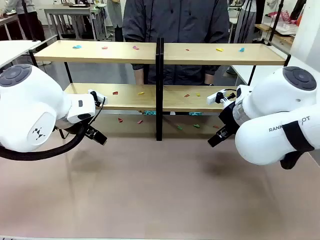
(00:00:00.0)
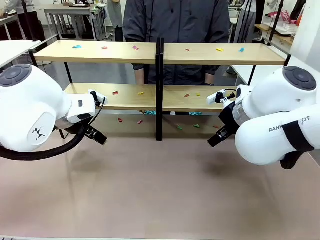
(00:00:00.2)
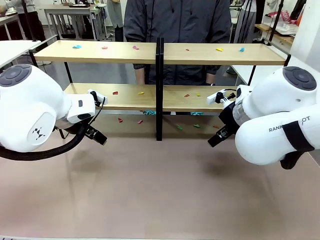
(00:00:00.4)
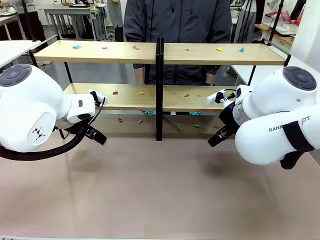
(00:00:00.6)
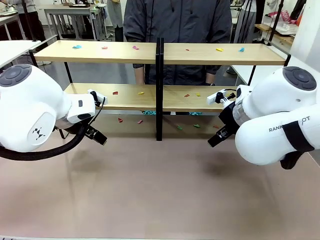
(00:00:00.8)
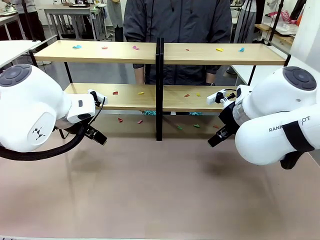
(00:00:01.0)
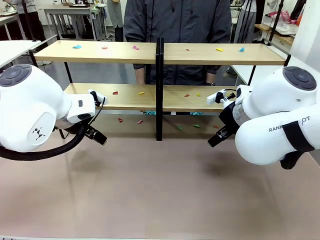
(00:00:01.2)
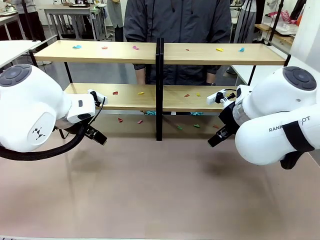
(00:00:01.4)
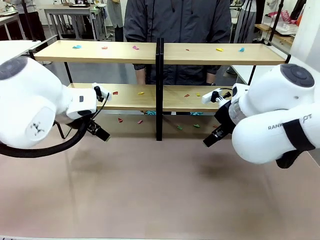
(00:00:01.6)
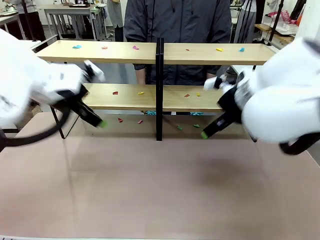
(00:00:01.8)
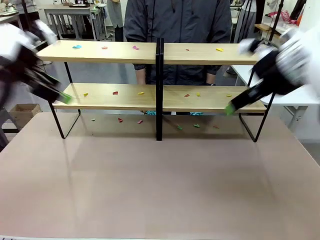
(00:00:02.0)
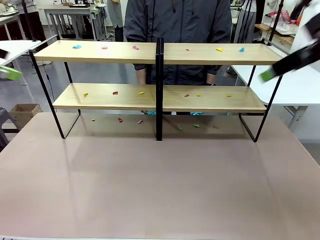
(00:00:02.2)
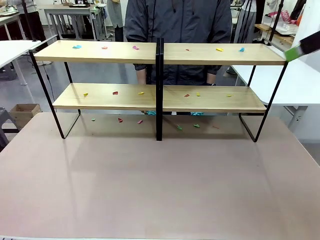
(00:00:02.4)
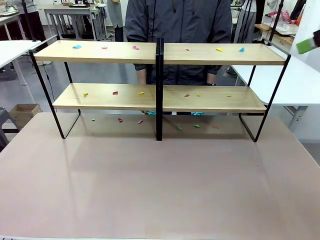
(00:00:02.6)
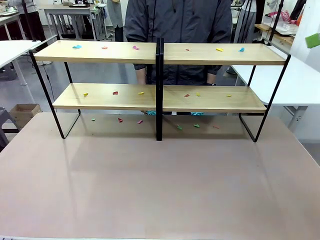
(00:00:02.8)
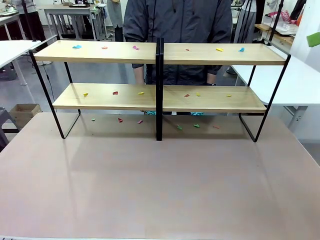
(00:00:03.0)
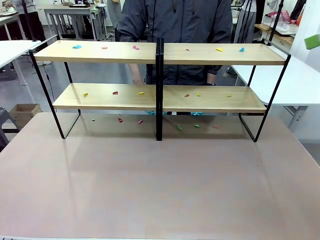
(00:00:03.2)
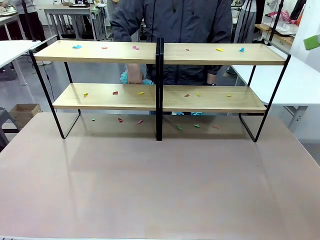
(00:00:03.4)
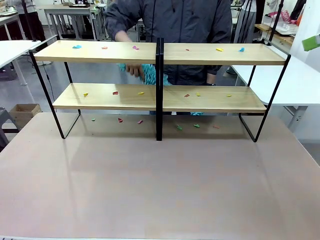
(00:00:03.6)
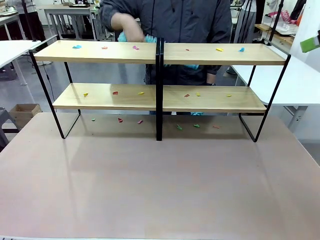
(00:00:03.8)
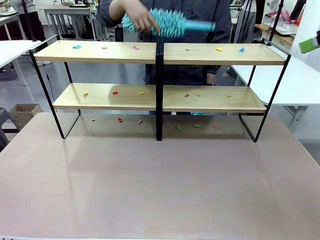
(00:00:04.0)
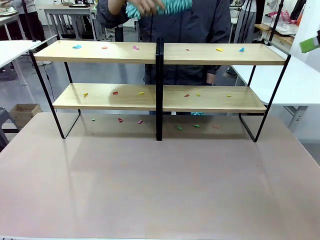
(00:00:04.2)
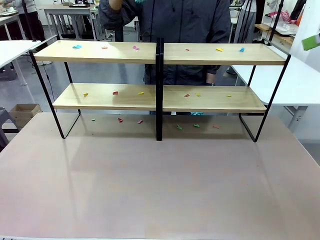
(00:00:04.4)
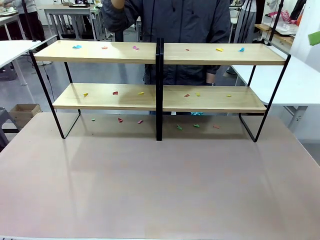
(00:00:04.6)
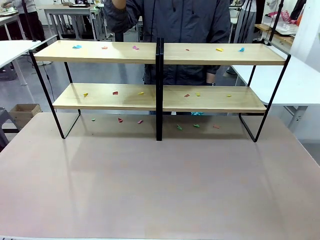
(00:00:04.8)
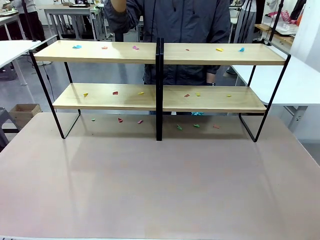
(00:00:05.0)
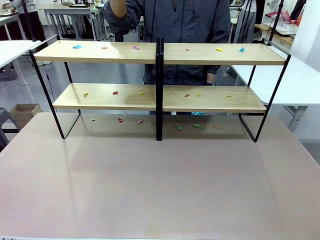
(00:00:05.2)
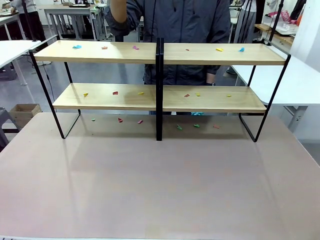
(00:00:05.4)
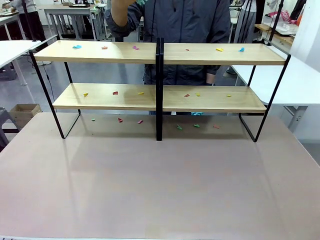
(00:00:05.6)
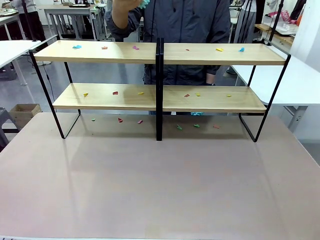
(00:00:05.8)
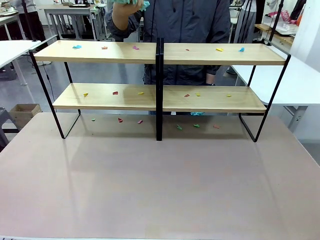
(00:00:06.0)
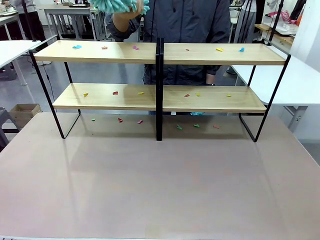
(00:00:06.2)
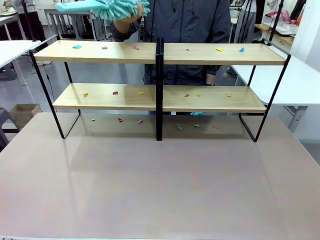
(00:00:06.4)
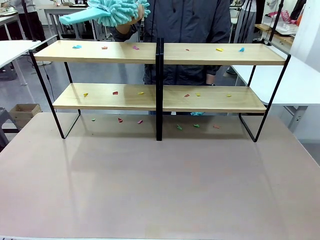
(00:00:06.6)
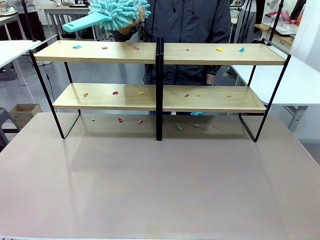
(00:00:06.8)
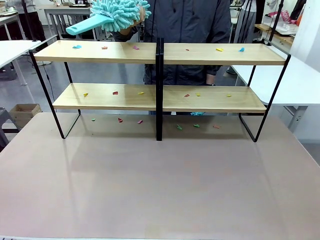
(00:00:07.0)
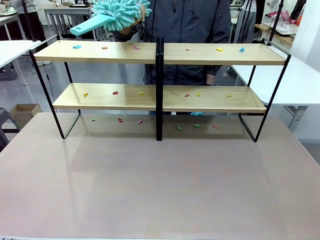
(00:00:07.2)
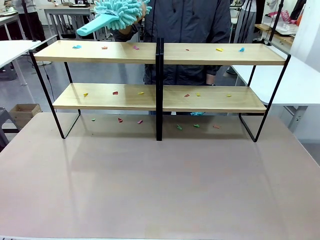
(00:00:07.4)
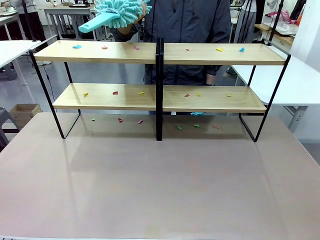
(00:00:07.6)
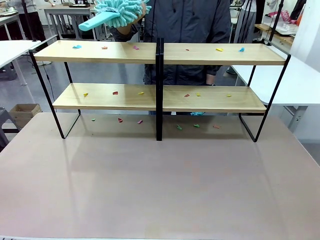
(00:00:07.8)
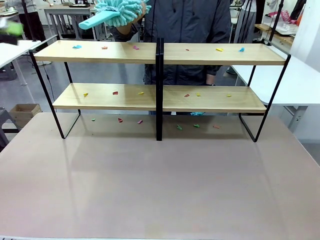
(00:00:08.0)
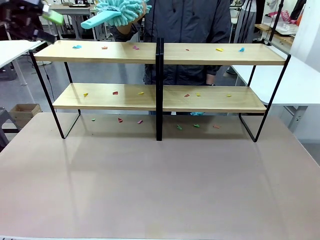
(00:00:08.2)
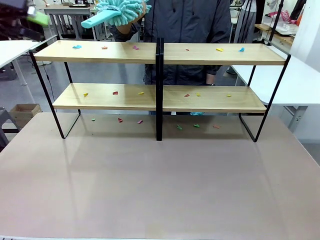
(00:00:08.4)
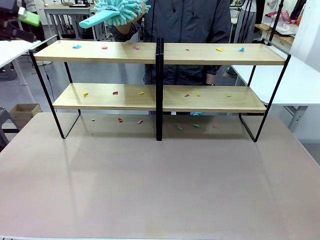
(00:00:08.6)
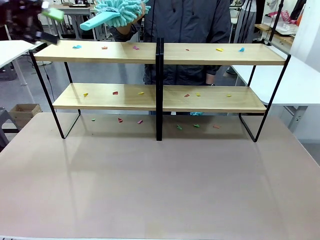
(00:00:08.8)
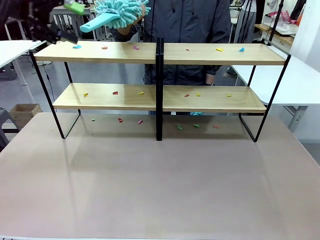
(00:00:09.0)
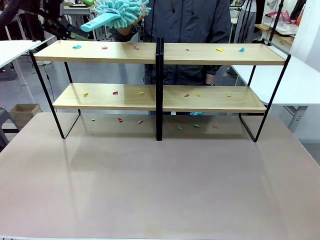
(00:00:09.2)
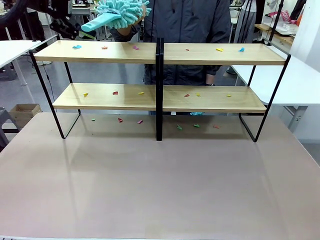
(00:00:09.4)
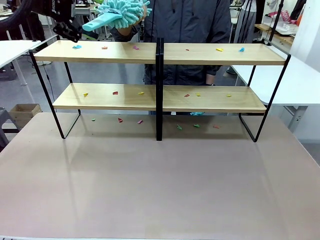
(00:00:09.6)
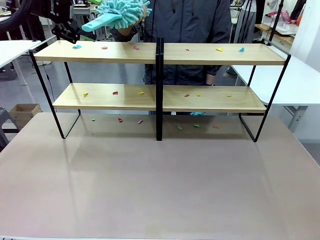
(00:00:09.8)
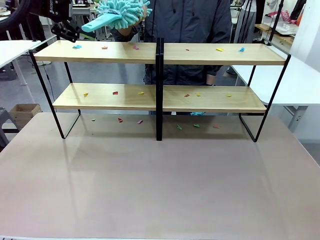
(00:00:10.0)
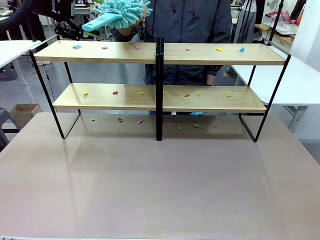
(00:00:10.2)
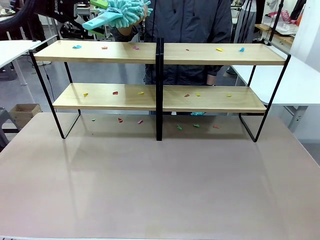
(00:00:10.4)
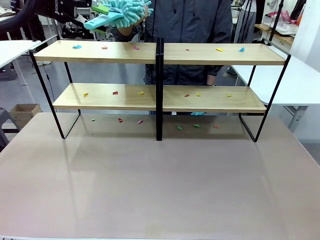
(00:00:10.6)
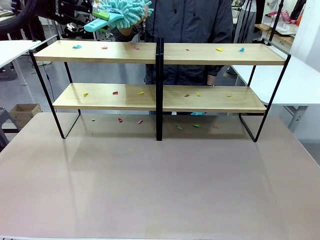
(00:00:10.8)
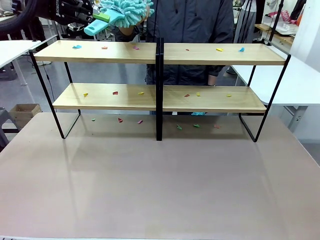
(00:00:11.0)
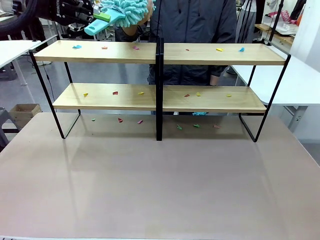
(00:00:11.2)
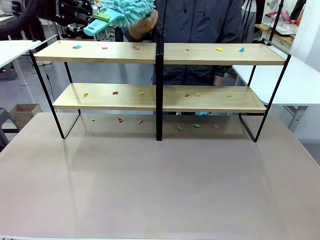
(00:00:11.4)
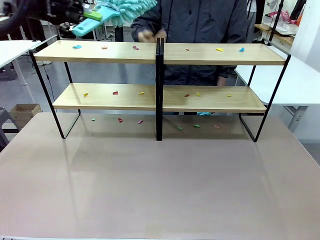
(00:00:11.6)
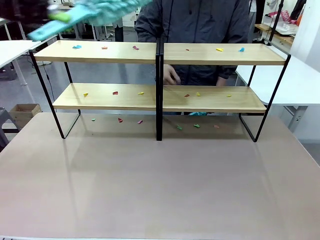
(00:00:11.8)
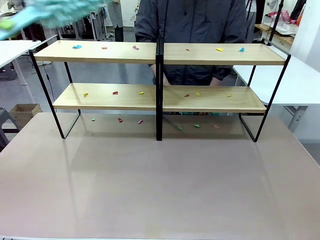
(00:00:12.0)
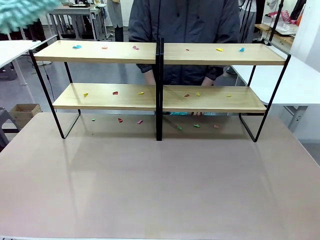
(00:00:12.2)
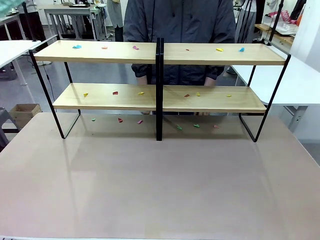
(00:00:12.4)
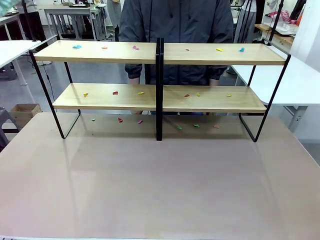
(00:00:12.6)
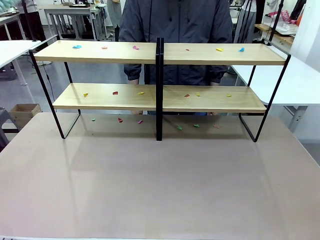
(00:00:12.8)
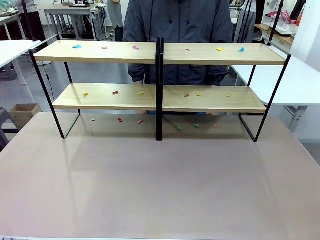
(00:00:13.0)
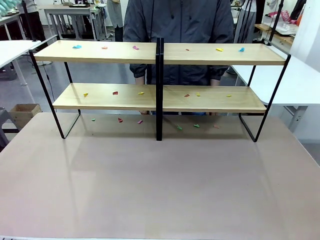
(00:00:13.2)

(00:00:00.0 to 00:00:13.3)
Task: Clean the shelves.
Robot: Pick up the Duster when the human hands it over.
Person: Hand the Duster to the robot with your right (or left) hand.

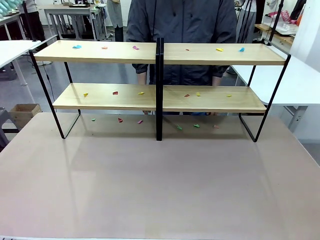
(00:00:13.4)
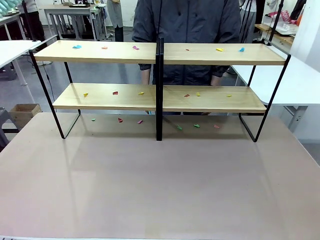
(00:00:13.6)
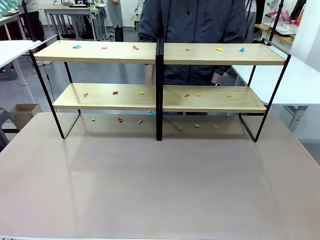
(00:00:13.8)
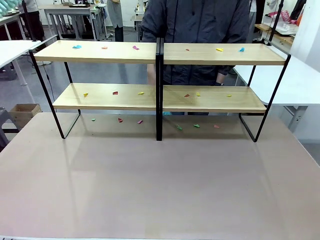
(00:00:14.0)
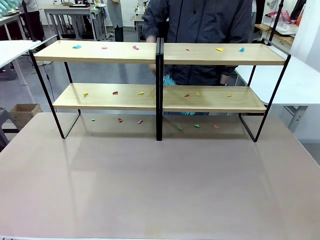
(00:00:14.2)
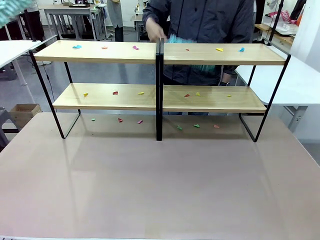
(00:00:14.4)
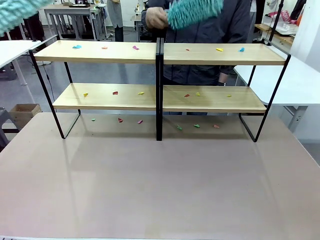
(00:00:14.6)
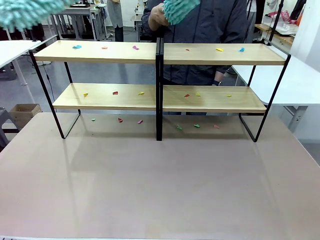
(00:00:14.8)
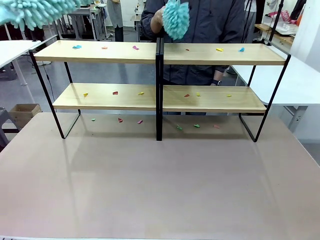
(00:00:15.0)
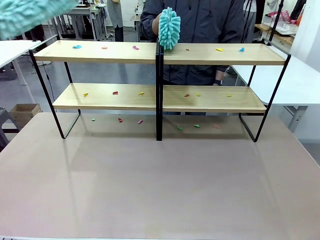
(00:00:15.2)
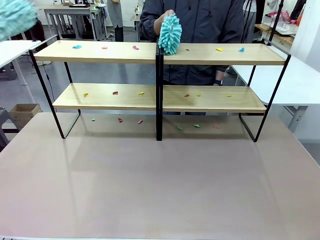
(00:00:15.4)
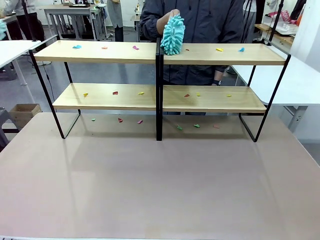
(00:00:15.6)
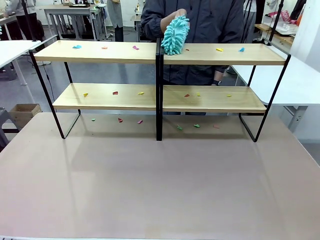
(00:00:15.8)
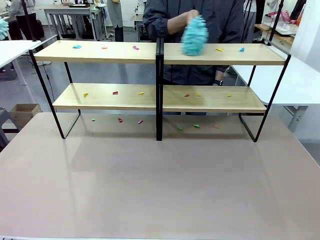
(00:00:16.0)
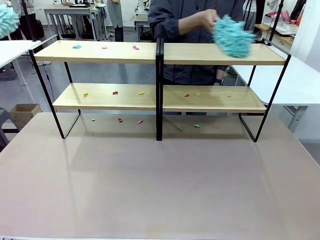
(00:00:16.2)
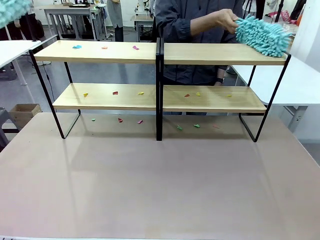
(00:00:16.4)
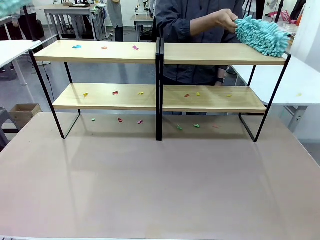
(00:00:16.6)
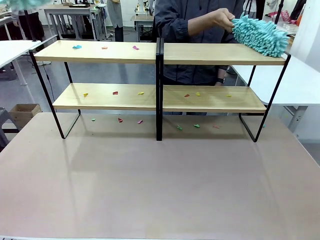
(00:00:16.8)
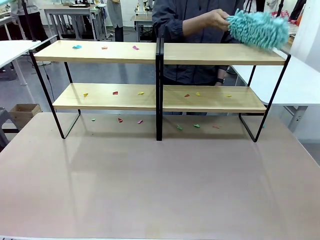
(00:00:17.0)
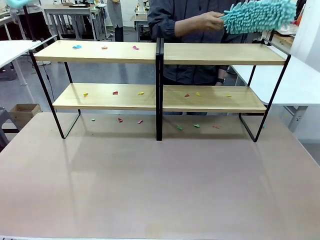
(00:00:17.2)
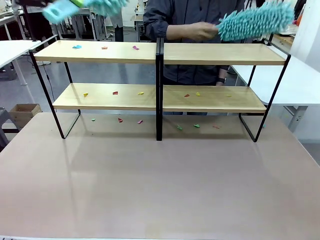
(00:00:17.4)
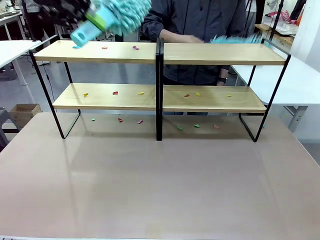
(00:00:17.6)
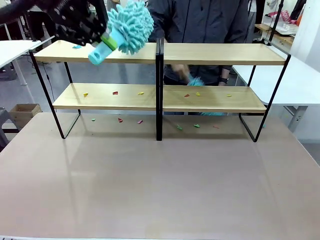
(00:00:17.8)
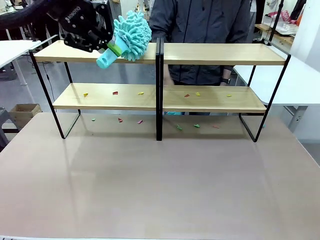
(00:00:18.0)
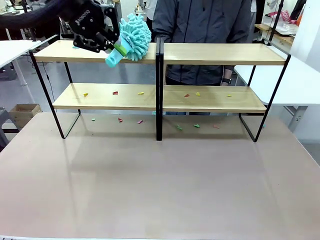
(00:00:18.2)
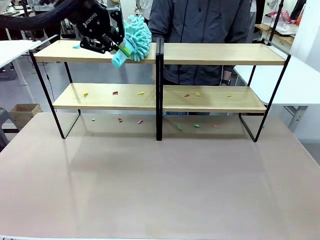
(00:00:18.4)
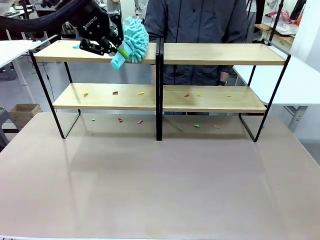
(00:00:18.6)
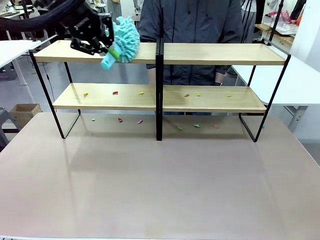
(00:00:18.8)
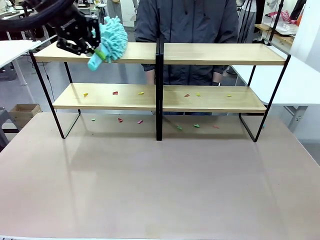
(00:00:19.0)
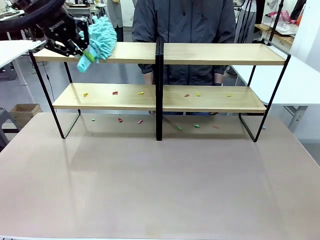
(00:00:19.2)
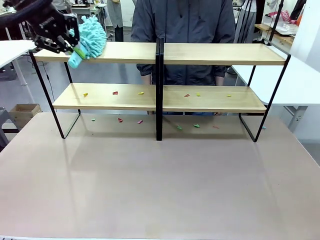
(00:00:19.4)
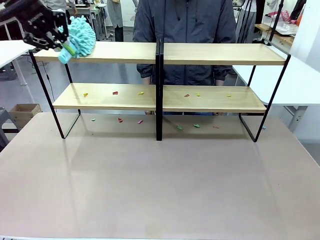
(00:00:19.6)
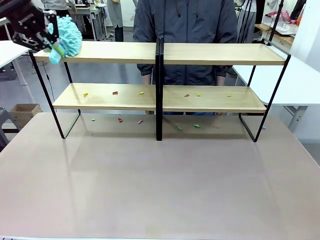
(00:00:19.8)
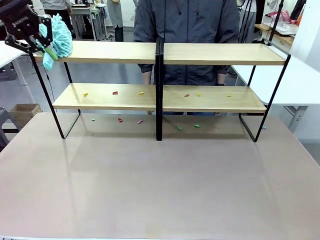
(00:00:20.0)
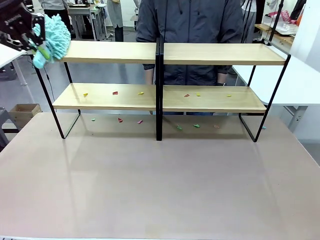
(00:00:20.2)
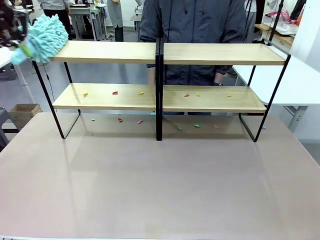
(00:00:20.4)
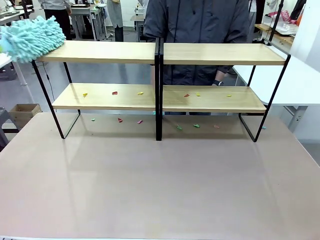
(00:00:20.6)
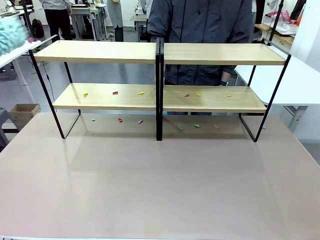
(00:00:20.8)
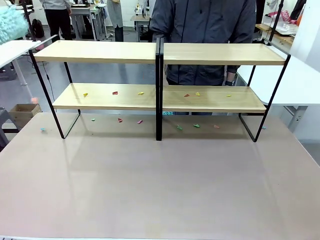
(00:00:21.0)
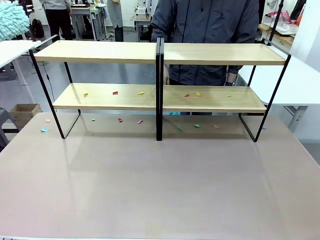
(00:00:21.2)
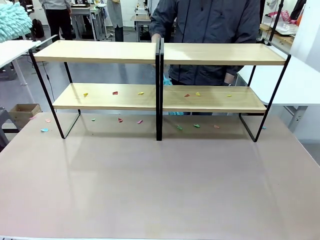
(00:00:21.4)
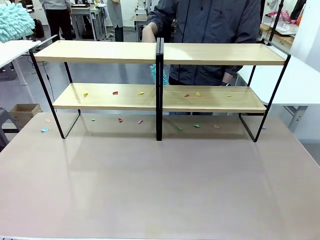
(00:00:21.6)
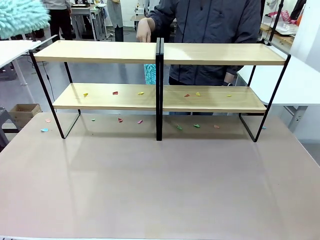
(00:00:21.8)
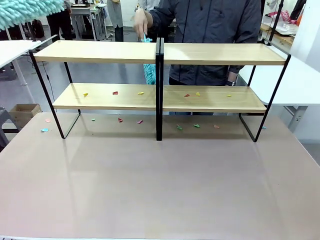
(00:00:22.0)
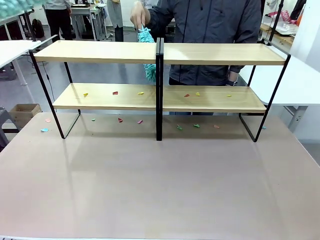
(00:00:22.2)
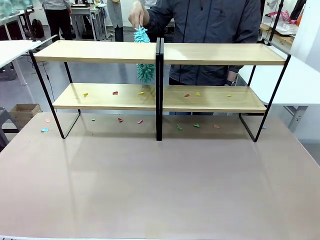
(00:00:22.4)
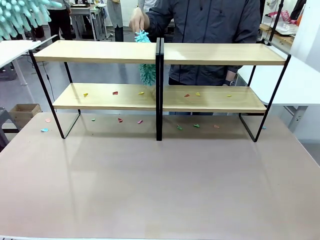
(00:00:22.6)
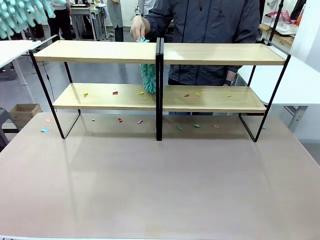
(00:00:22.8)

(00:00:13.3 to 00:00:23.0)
Robot: Clean a randomly selected level of the Shelf with the Duster.
